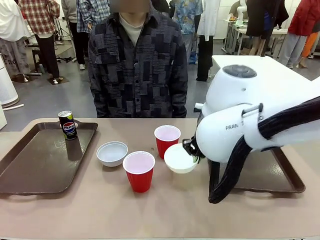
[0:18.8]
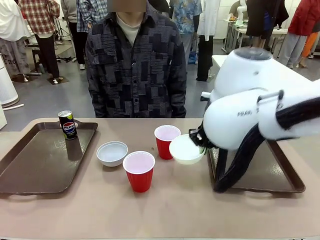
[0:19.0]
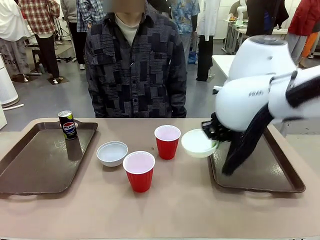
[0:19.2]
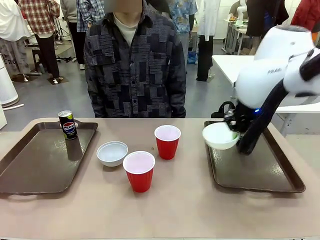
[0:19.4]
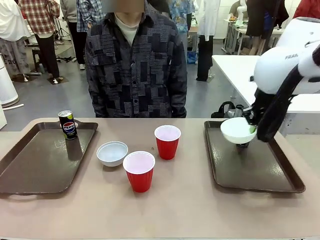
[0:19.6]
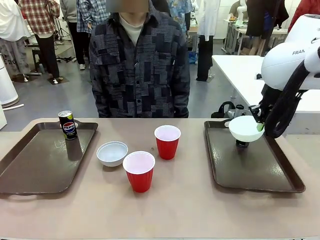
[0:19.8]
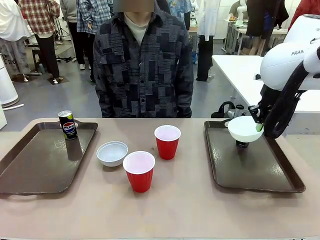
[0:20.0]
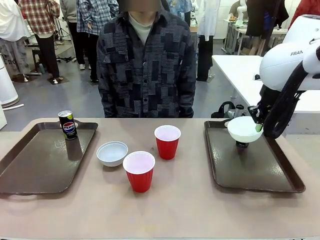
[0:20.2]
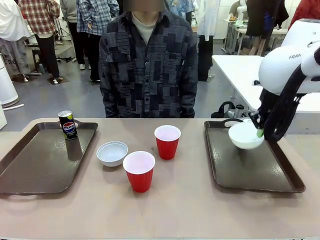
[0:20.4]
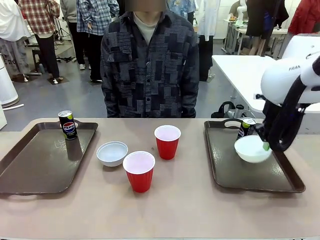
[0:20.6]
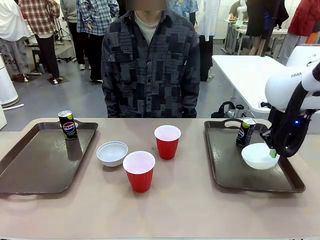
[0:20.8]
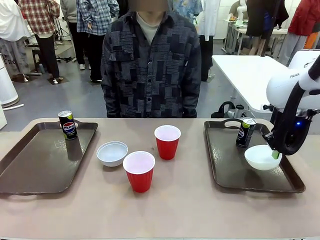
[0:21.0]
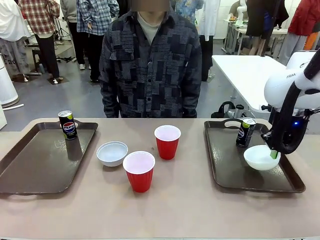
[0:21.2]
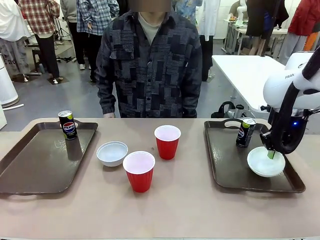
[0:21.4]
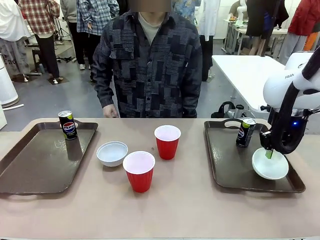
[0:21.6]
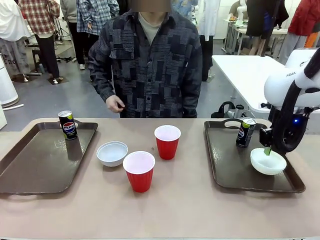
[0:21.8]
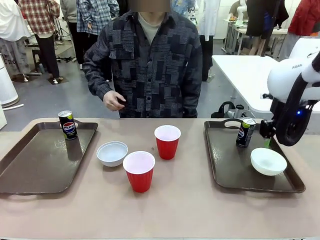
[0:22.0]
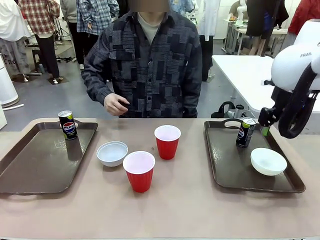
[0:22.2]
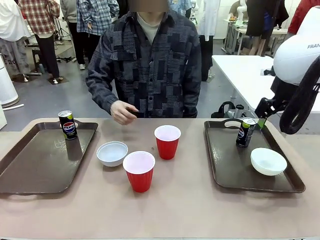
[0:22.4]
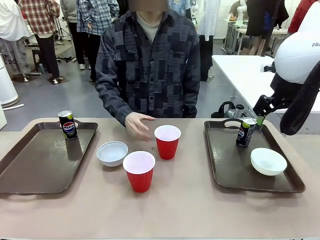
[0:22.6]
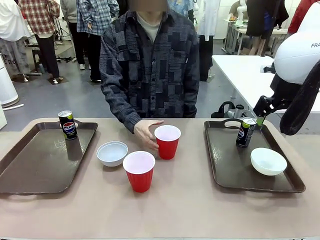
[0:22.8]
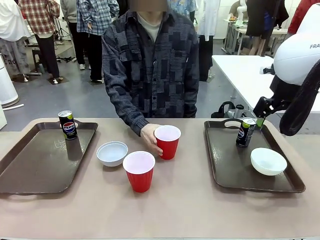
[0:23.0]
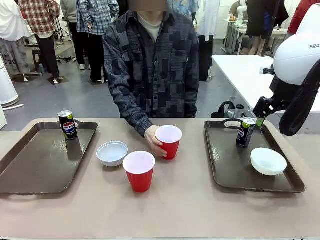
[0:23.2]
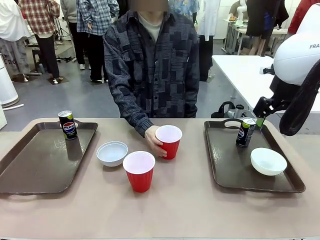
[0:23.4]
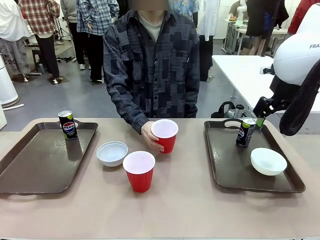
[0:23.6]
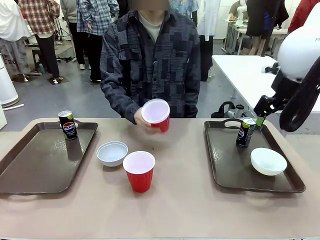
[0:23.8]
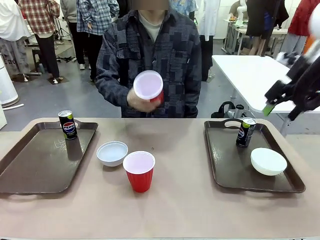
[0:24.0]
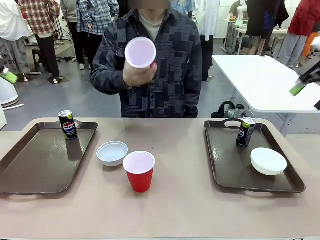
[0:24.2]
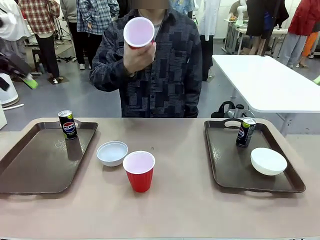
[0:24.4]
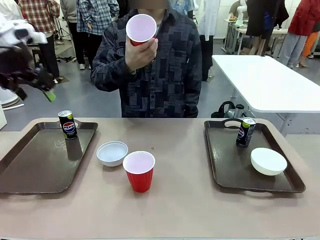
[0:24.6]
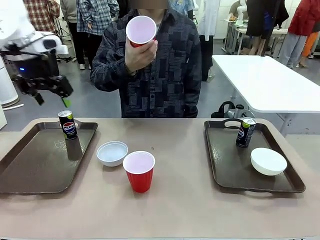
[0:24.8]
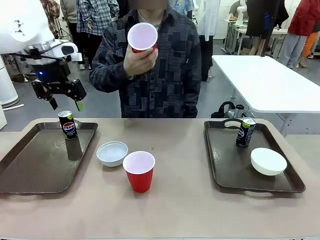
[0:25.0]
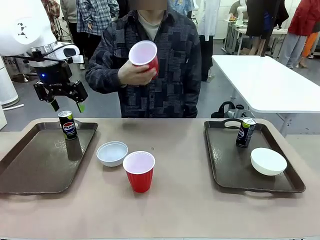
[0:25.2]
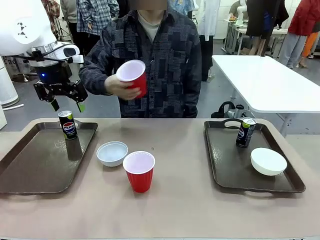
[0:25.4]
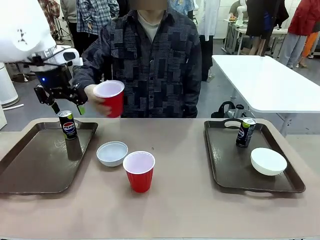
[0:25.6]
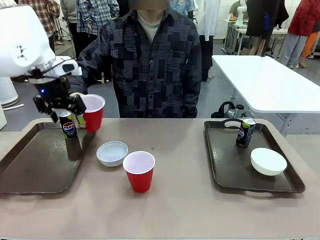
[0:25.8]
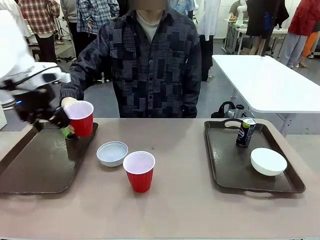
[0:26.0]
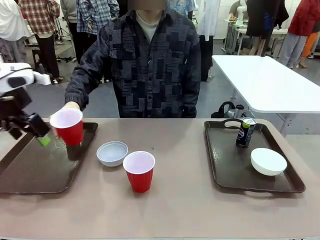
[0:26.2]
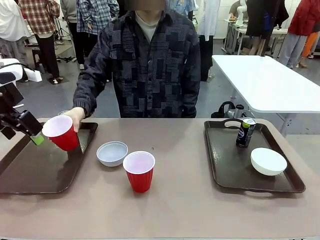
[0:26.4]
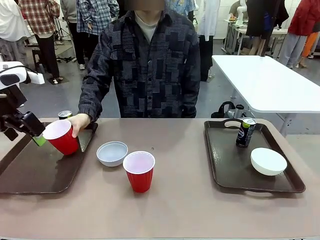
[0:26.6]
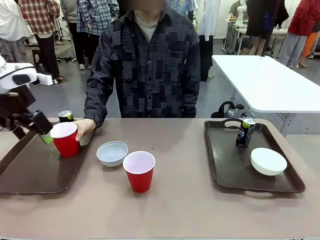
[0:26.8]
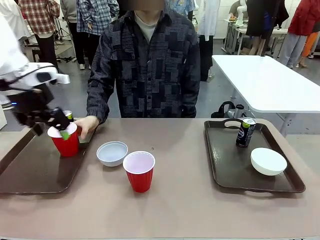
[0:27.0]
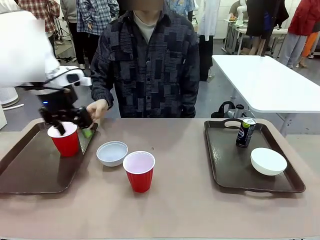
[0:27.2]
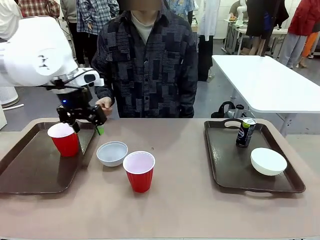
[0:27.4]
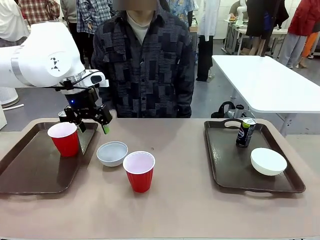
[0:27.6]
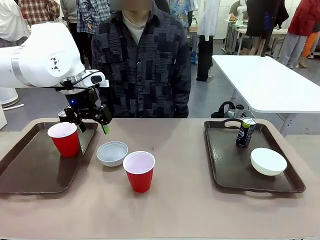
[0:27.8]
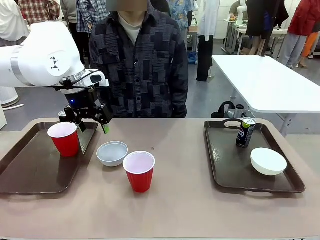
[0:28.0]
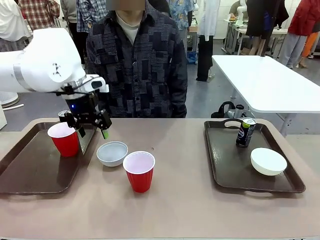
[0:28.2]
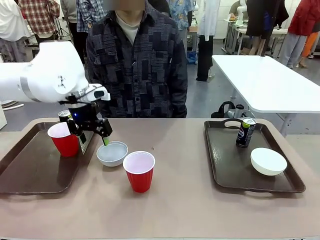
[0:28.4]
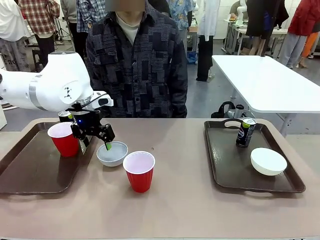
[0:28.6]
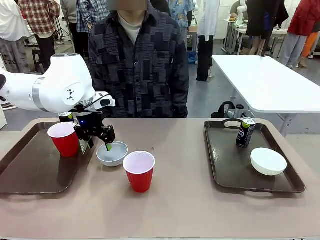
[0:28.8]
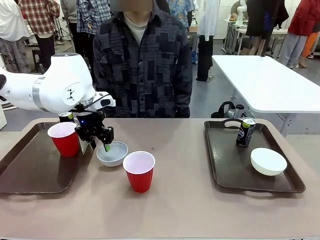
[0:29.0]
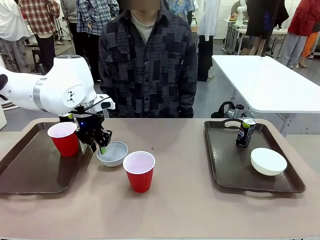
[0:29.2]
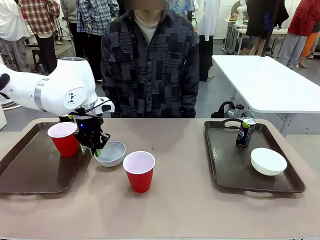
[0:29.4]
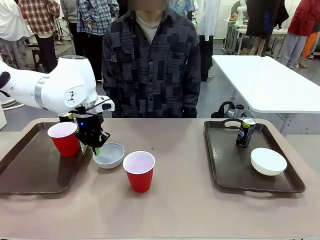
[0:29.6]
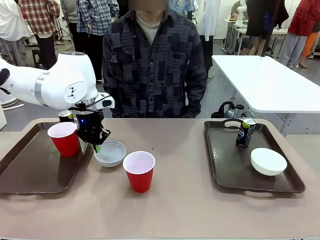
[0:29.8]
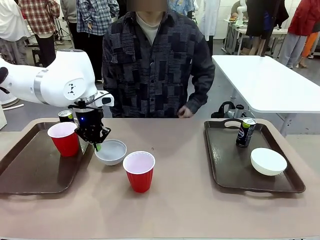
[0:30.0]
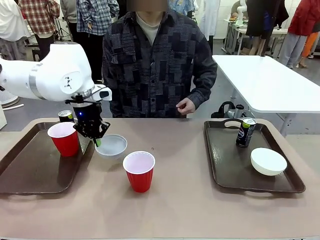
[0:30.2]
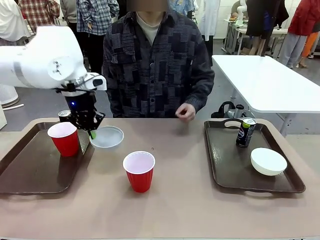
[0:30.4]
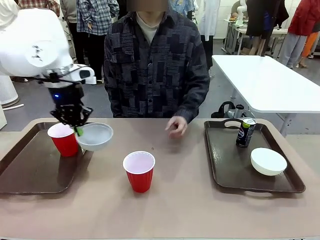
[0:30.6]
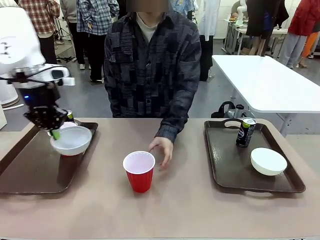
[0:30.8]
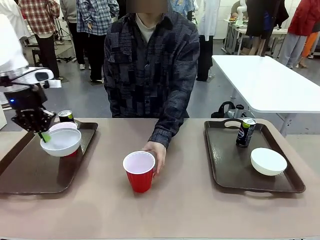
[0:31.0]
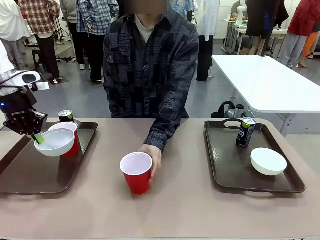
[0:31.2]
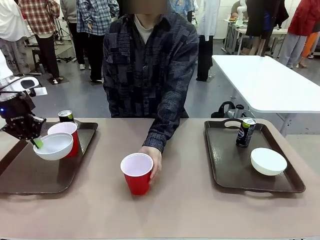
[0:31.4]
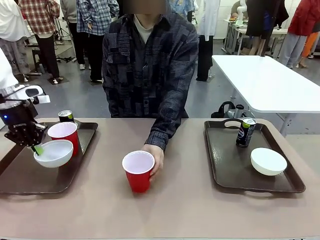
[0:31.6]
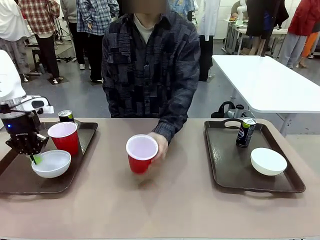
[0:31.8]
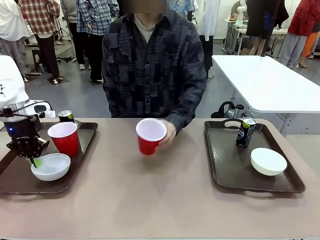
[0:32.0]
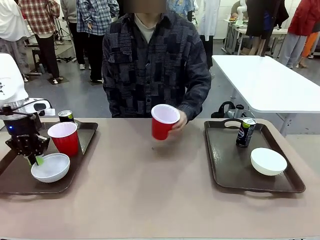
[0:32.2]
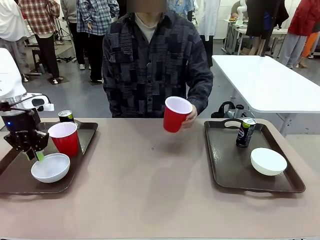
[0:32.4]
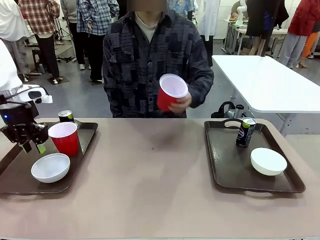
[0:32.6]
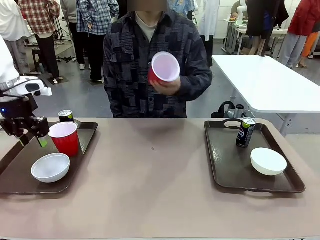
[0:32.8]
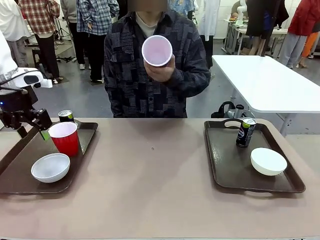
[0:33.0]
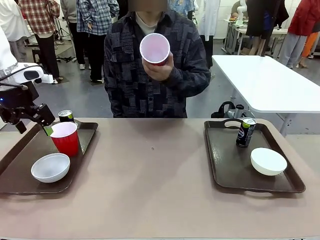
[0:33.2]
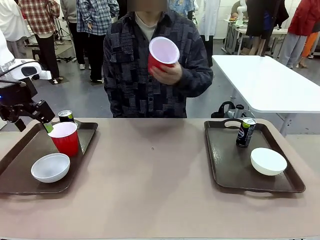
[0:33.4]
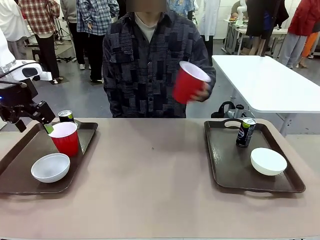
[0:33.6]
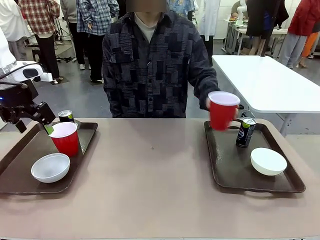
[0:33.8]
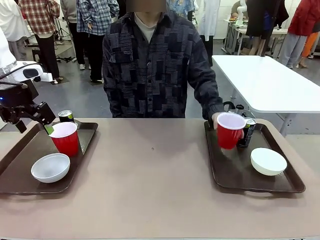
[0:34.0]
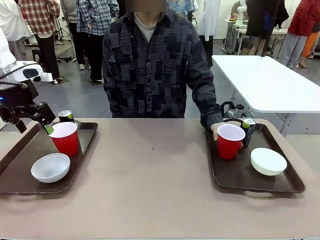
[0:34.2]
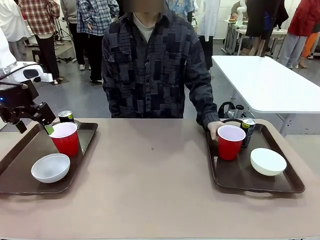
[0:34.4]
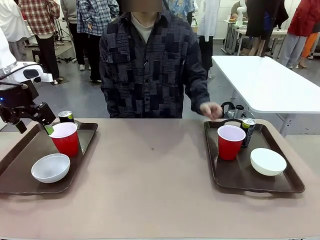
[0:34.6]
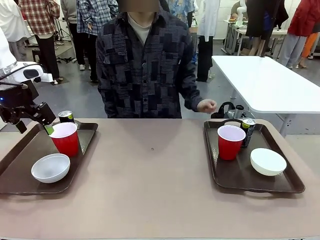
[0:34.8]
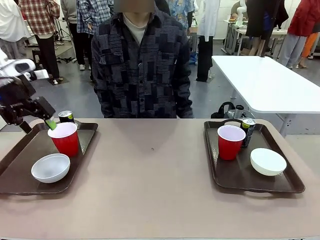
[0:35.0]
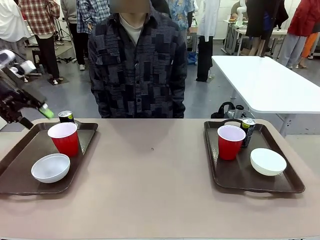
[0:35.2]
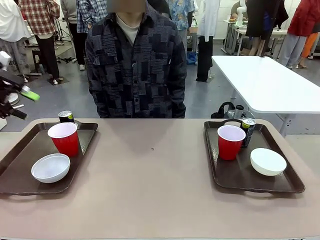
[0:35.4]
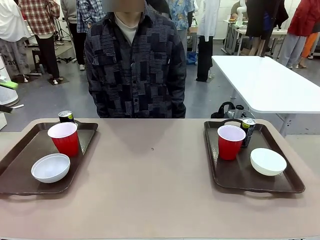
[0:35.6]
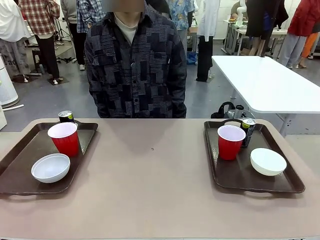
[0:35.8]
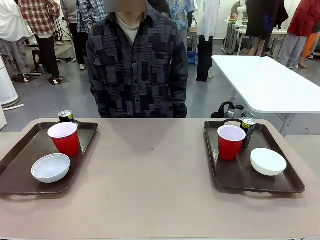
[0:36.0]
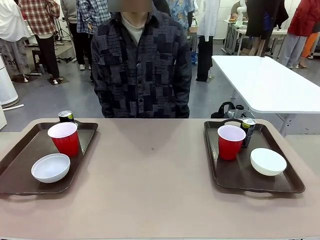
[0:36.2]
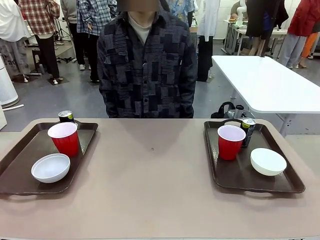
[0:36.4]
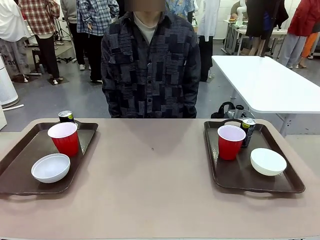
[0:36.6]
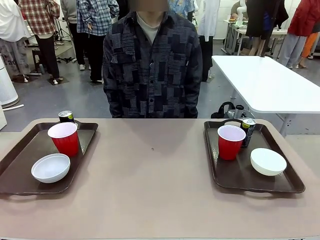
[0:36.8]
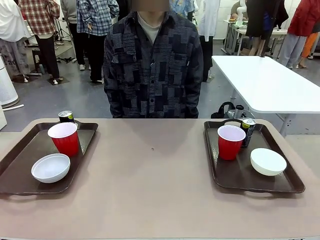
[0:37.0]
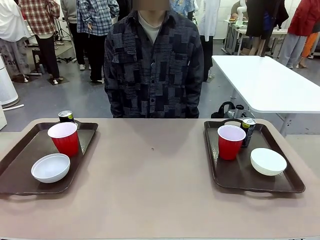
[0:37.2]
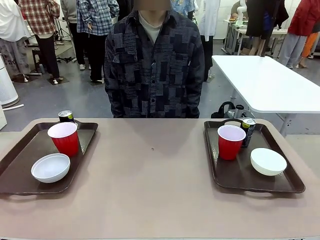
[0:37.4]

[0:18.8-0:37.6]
Task: Prepare tableware on both trays.
Robot: Pick up a Picnic Bowl from the table and place it on a Handle tray.
Person: Pick up a can or cup and place it on the tray without a can or cup.
